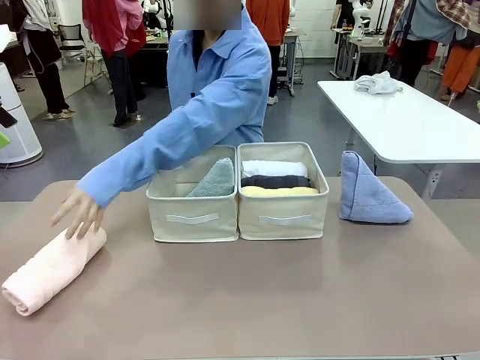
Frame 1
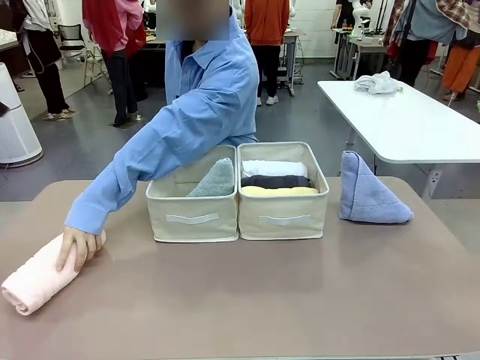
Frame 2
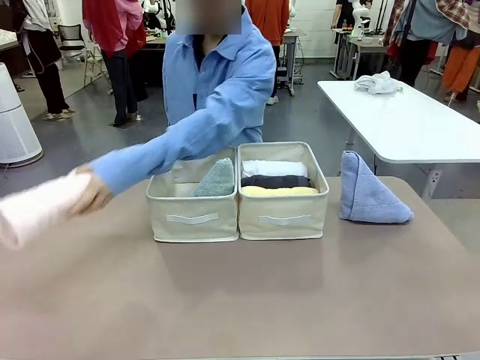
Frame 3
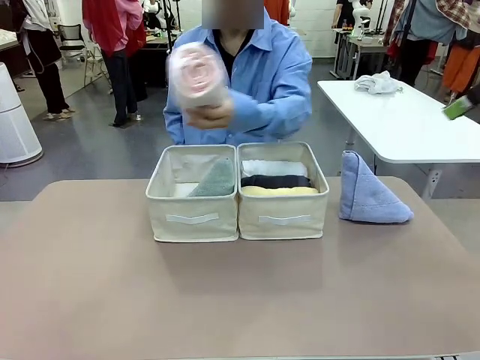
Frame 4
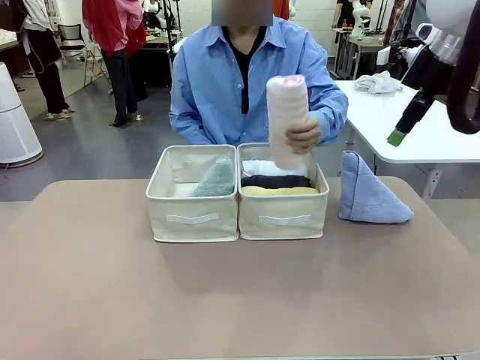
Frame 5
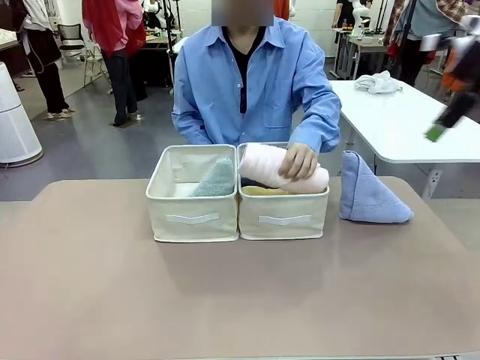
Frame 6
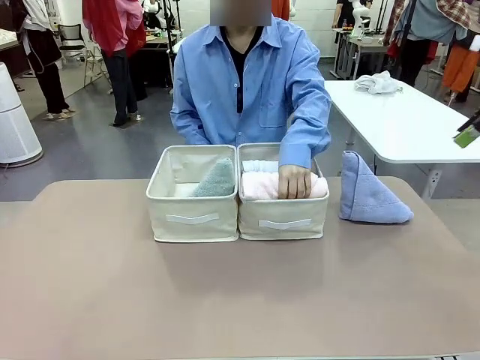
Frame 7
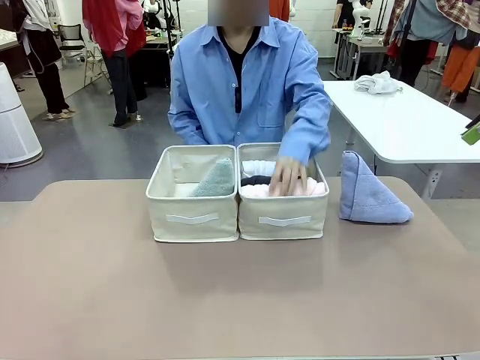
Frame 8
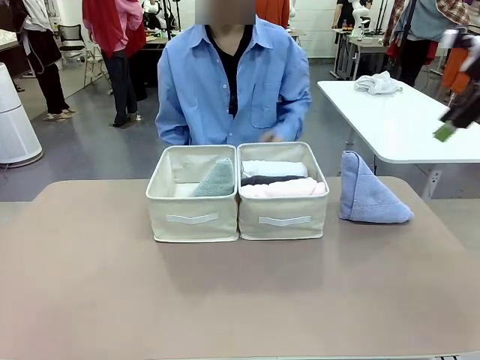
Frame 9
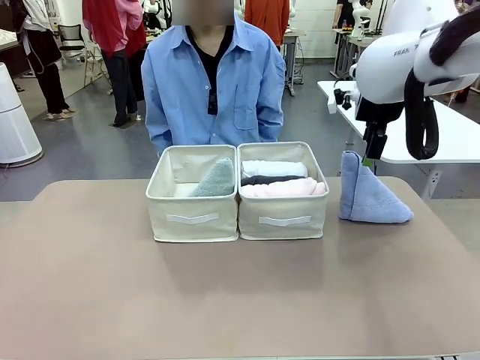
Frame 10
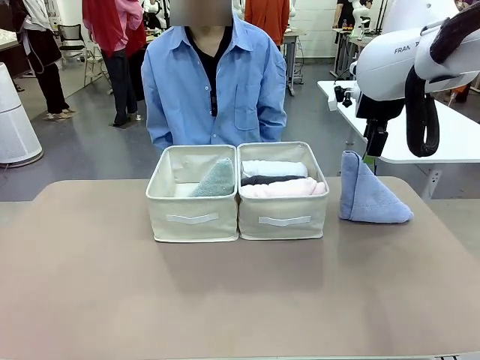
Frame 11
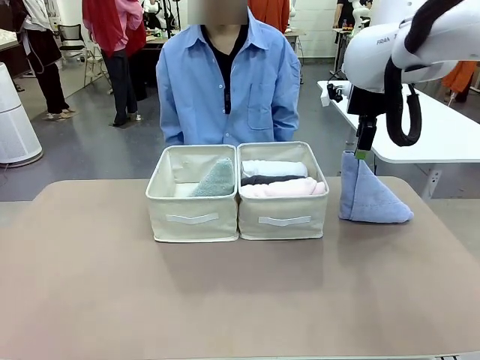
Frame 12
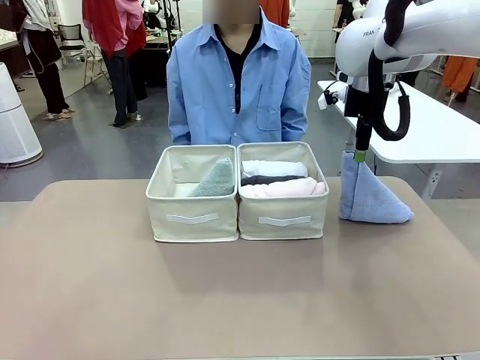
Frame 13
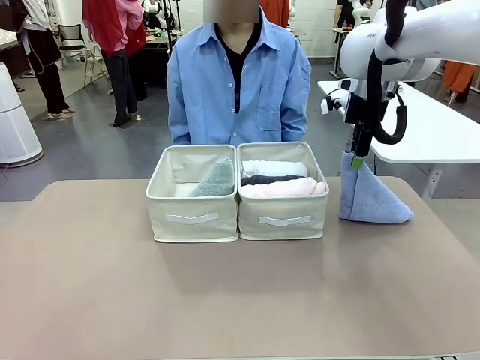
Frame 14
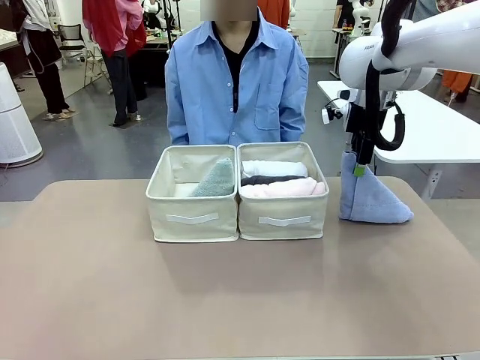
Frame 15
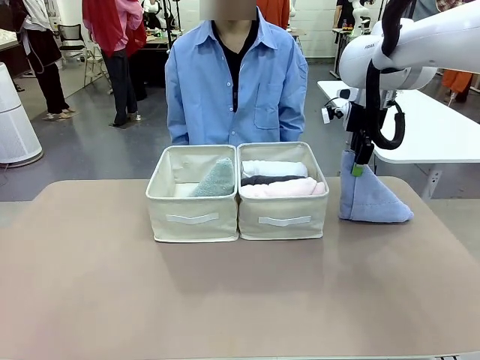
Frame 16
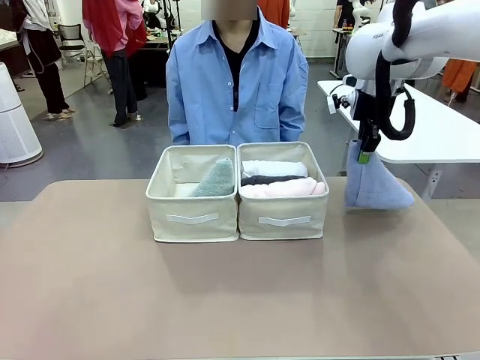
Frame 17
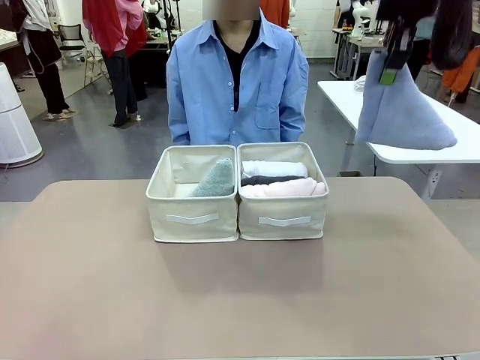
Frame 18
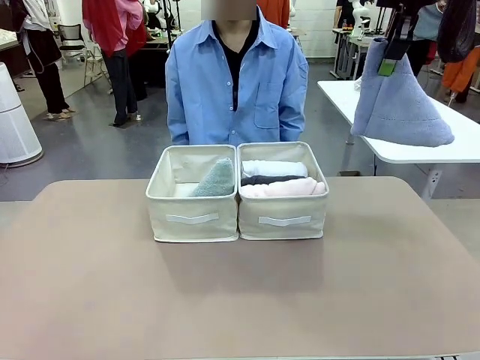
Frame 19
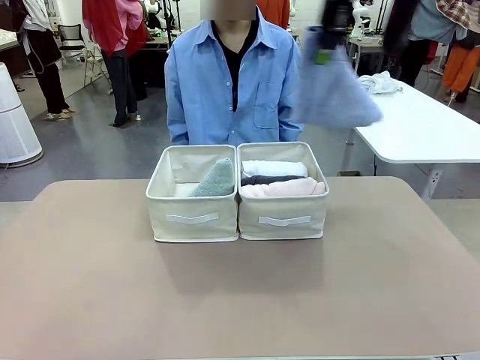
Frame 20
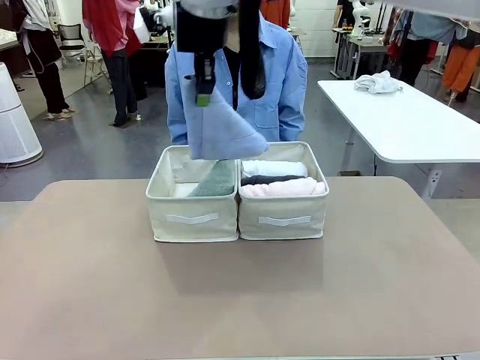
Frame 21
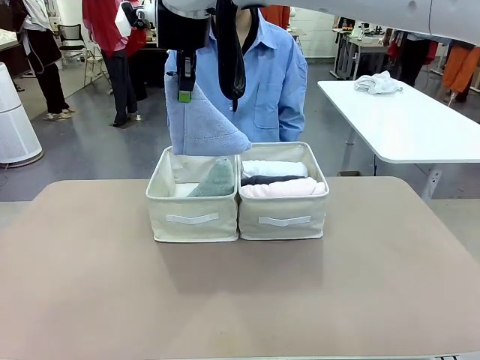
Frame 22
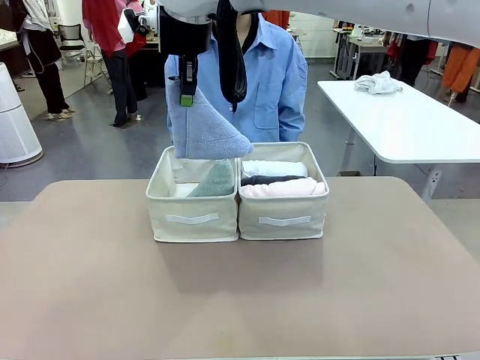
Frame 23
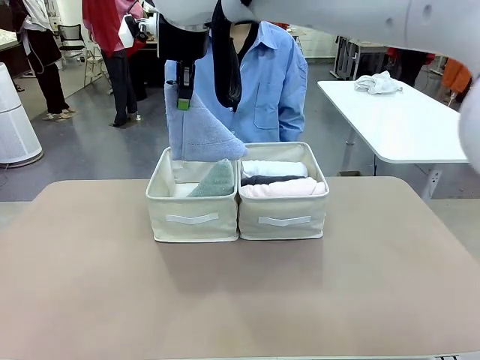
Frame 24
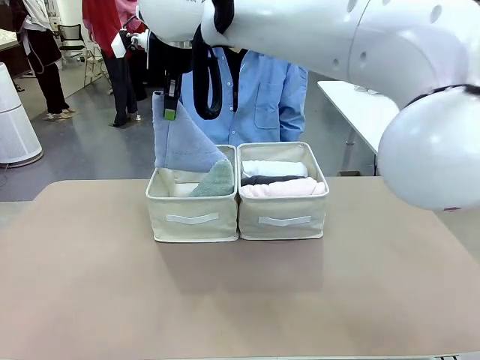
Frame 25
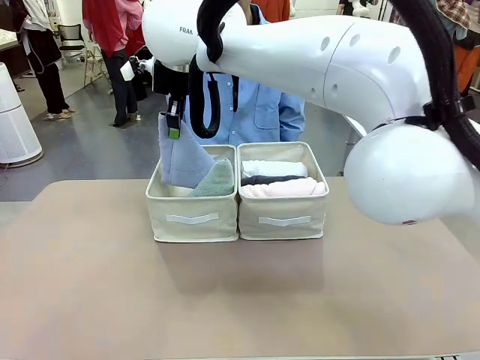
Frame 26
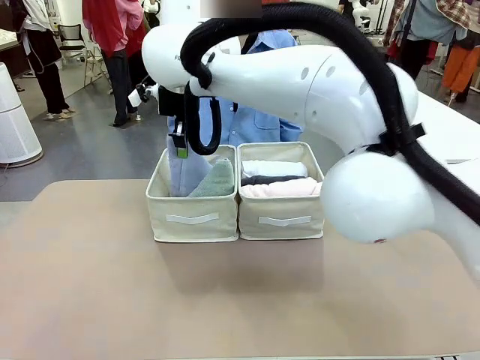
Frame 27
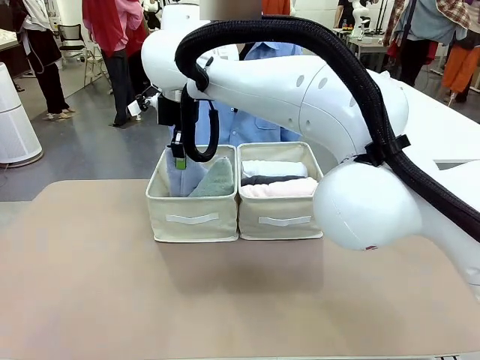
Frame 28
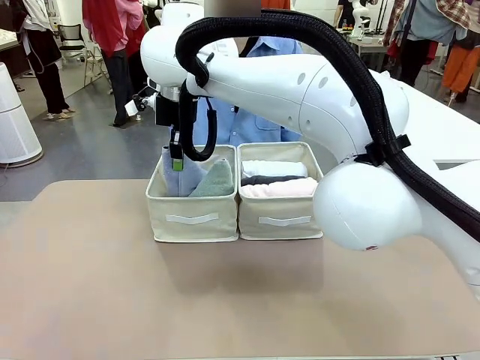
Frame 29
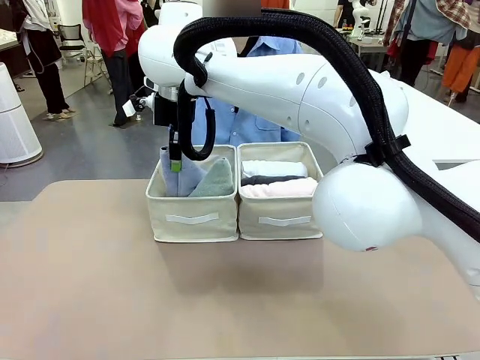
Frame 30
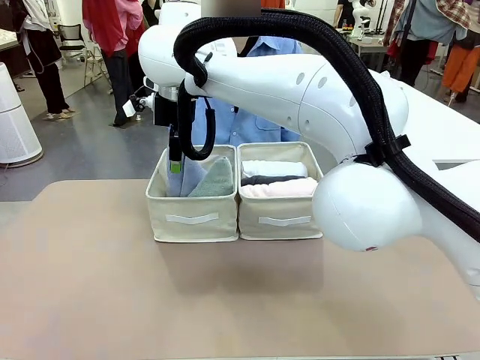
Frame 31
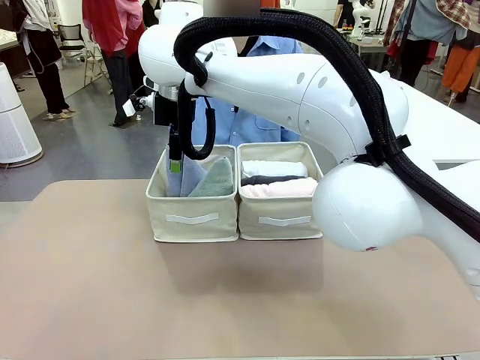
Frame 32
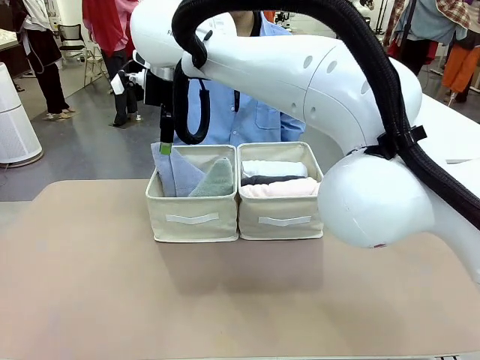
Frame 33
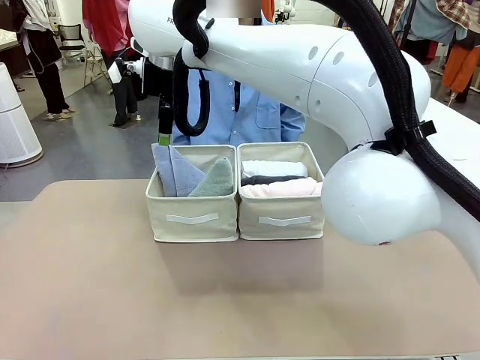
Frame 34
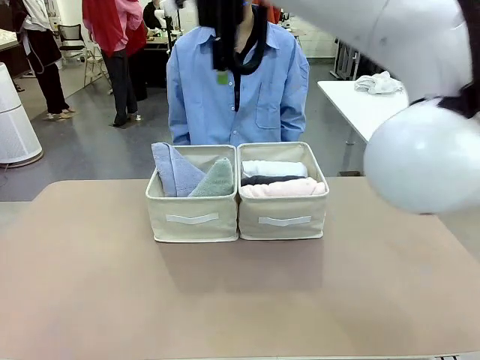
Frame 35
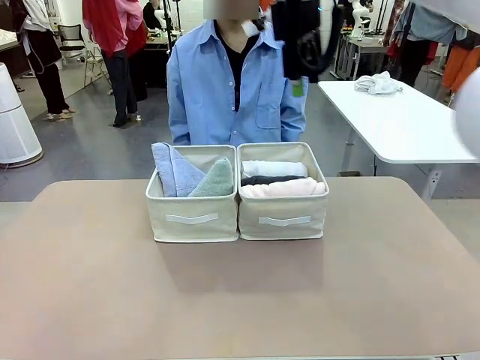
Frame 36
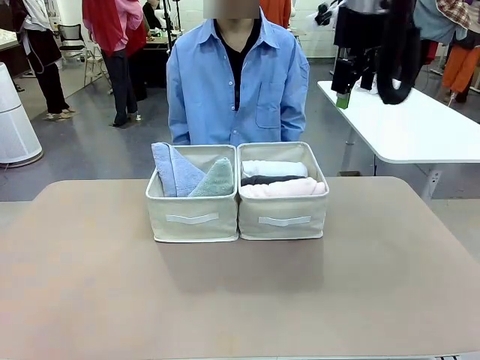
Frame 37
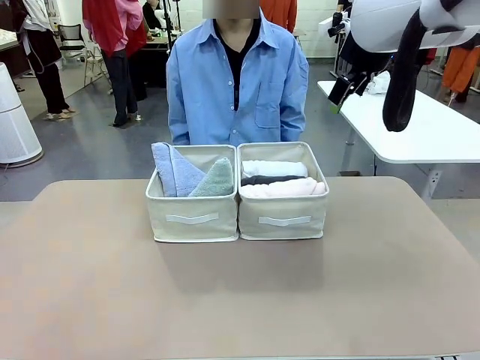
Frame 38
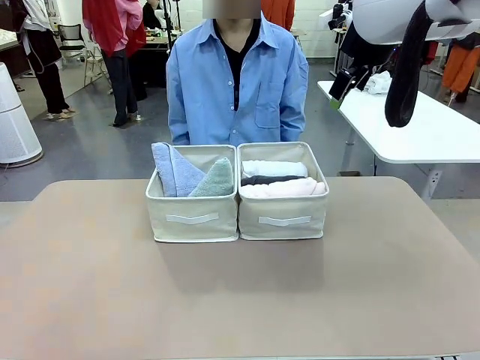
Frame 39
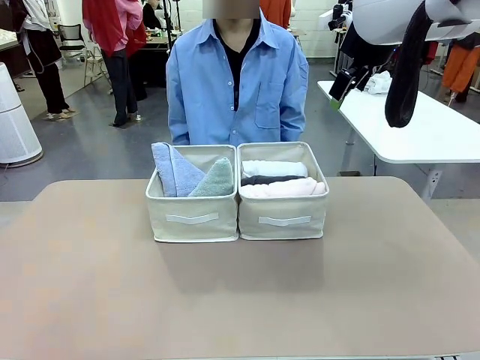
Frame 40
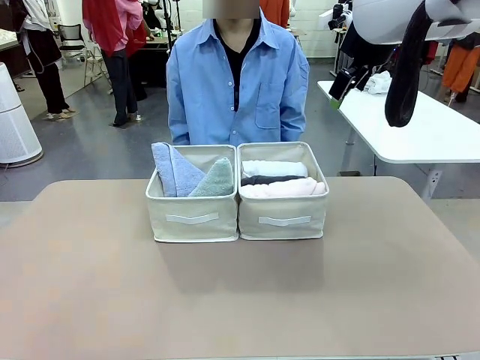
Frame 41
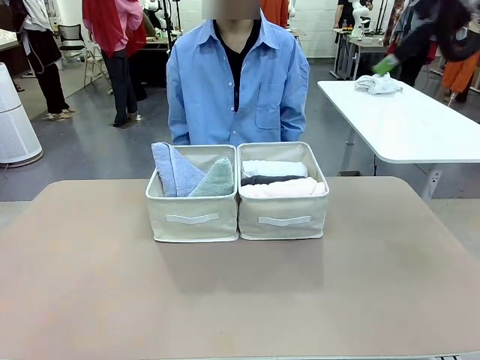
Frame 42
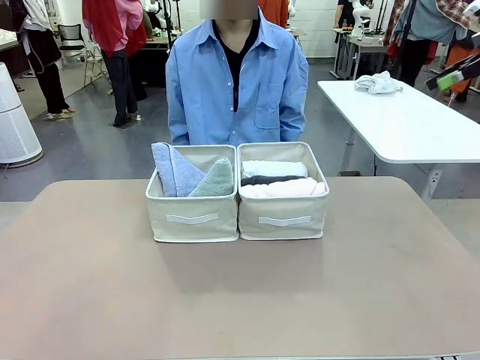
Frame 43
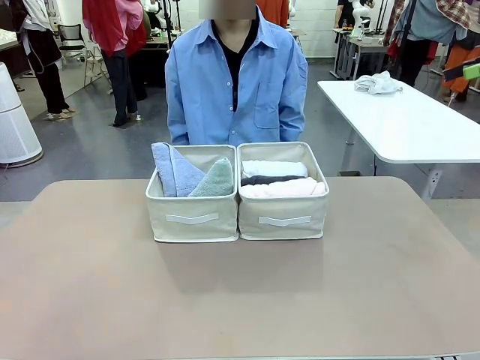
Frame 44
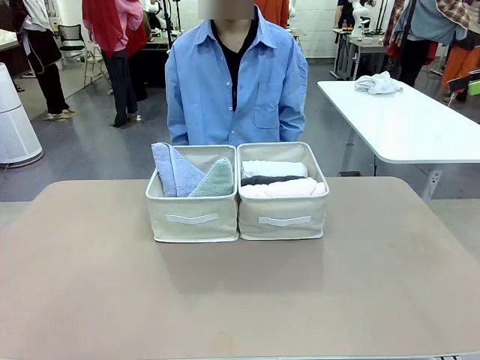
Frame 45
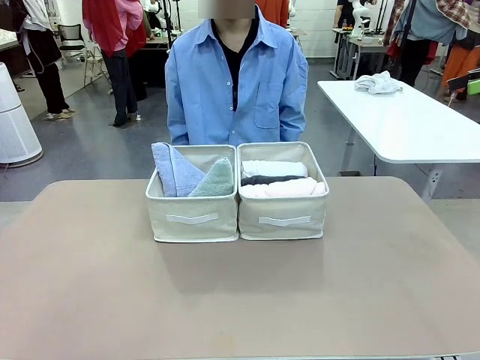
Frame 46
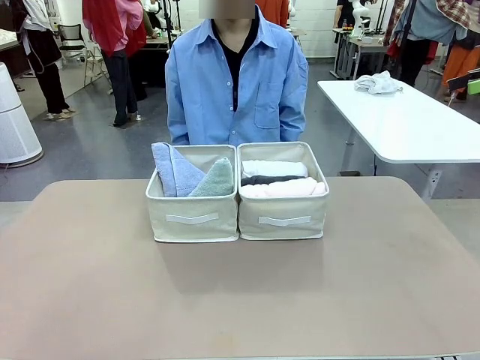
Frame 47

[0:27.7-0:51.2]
Task: Sort the towels based on their folding style.
Robot: Pick up another triangle-folded towel from the table and place it in the left Fabric basket.
Person: Pick up one hotel-style rolled towel from the table and place it in the left fabric basket.

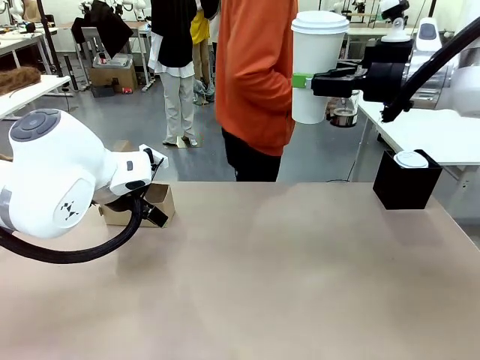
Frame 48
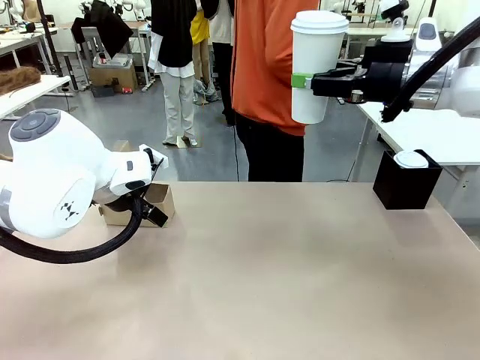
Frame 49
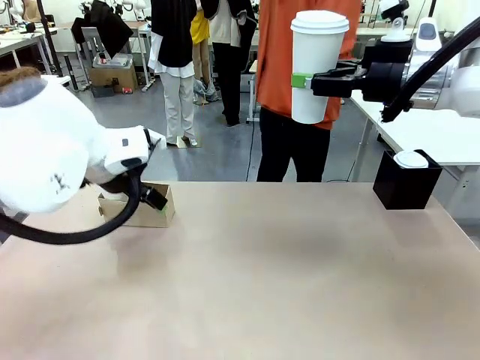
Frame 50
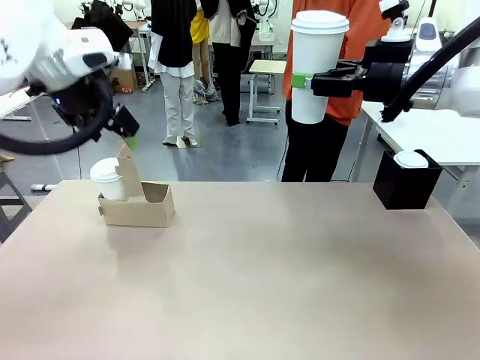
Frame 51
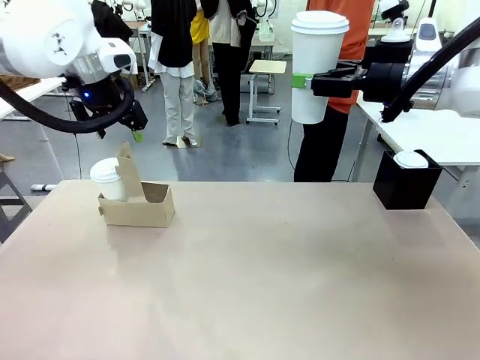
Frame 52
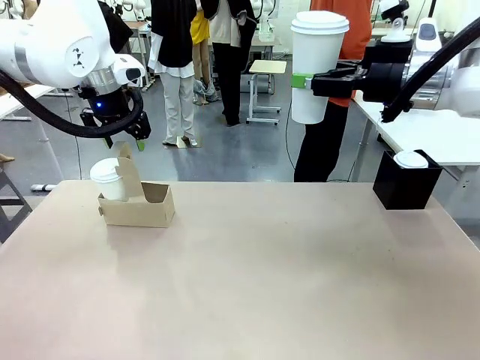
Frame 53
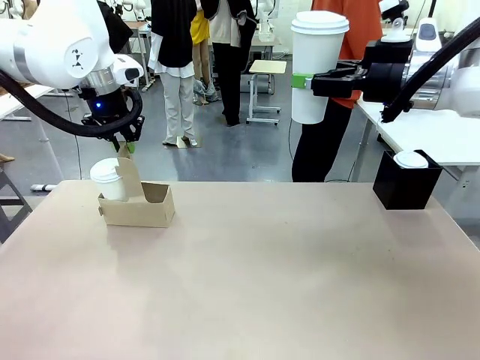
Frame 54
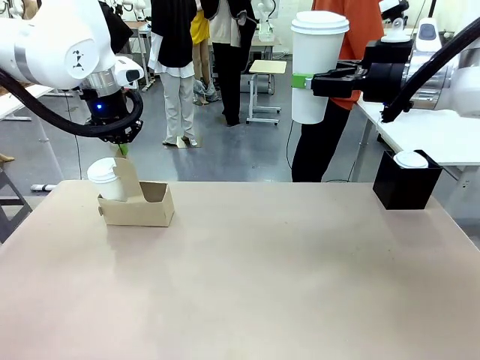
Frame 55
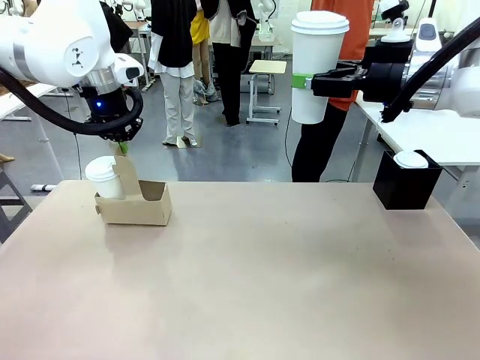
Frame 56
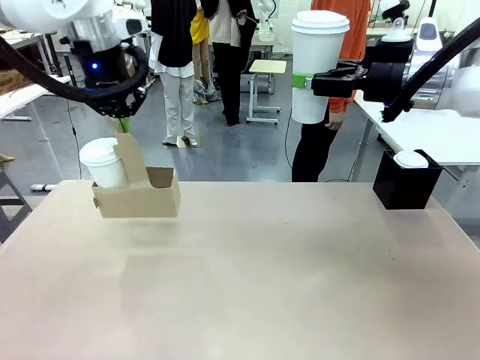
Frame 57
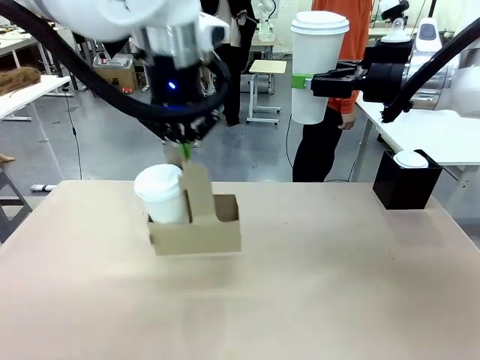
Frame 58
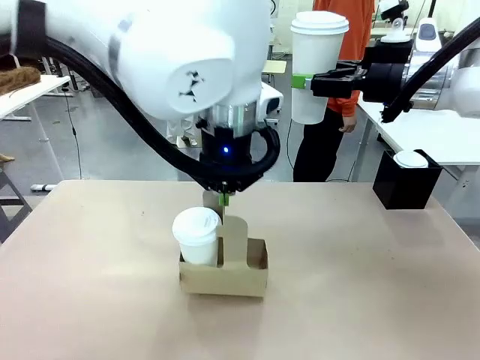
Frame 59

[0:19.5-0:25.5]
Task: Pour a drink into a cup and package it in a carrier.
Robot: Position the Cup Carrier in the center of the table.
